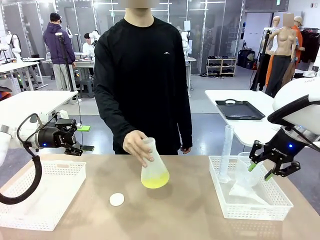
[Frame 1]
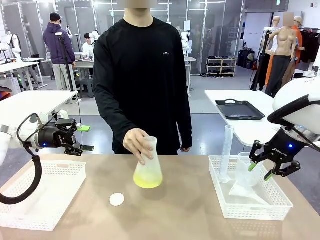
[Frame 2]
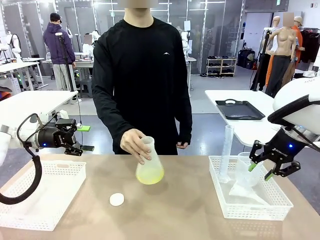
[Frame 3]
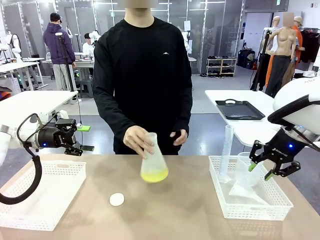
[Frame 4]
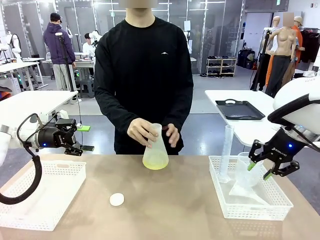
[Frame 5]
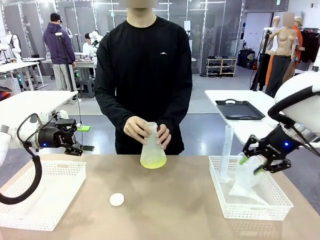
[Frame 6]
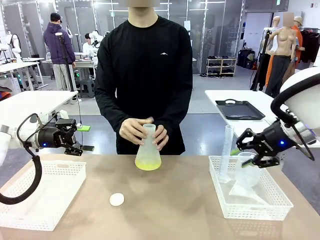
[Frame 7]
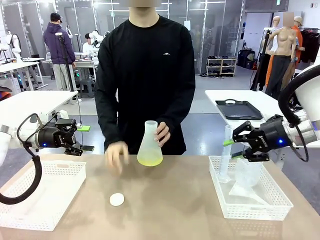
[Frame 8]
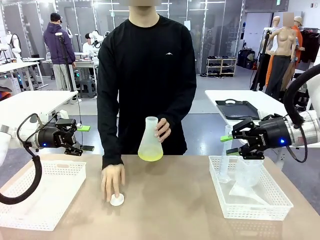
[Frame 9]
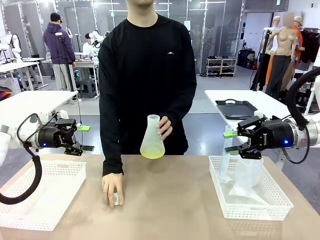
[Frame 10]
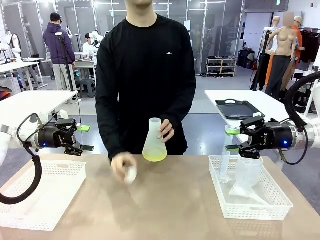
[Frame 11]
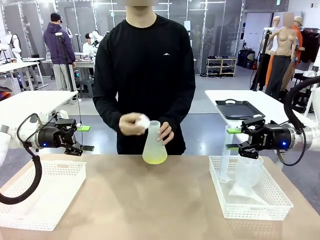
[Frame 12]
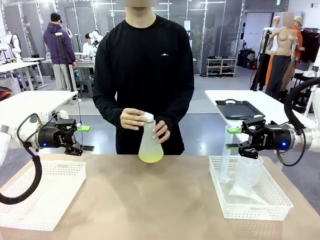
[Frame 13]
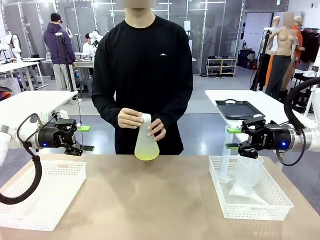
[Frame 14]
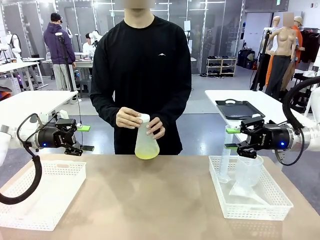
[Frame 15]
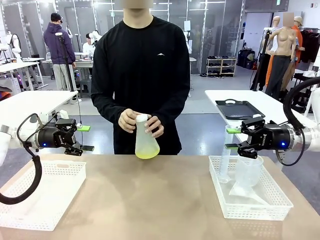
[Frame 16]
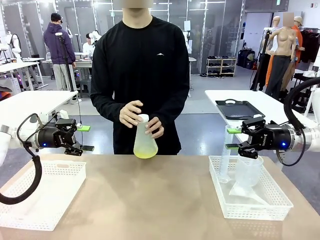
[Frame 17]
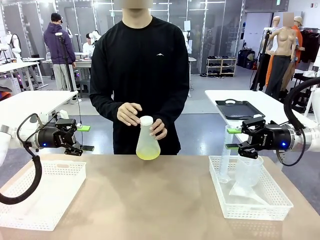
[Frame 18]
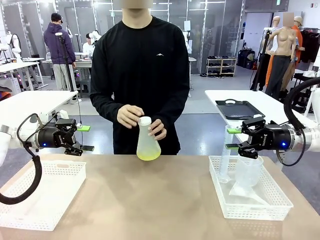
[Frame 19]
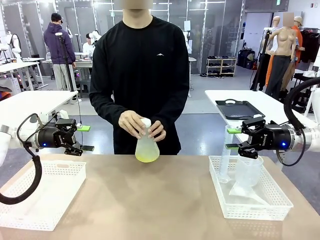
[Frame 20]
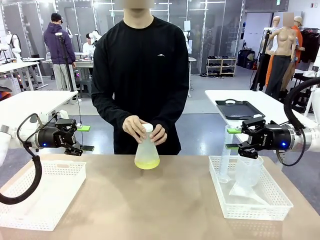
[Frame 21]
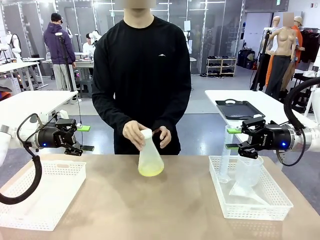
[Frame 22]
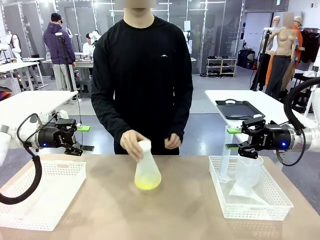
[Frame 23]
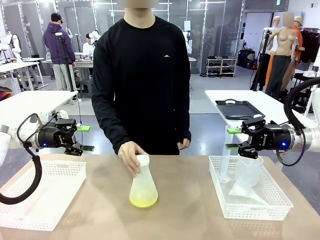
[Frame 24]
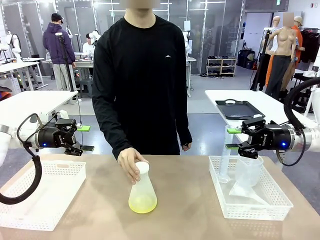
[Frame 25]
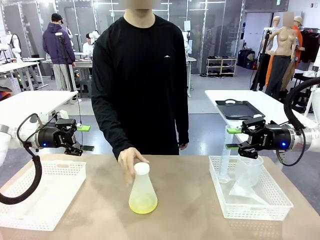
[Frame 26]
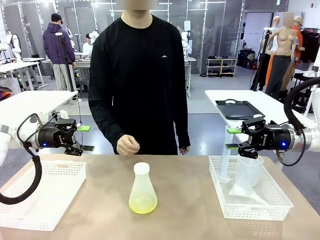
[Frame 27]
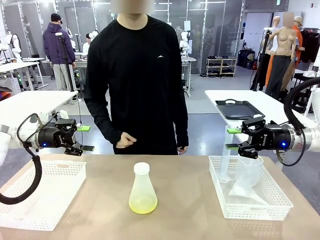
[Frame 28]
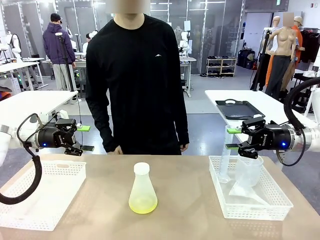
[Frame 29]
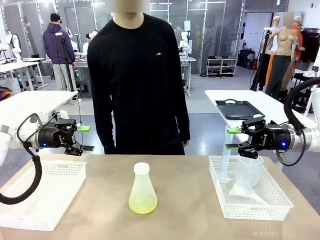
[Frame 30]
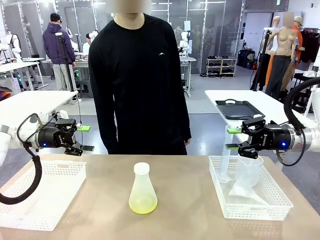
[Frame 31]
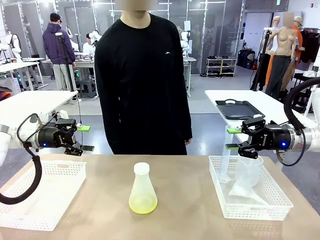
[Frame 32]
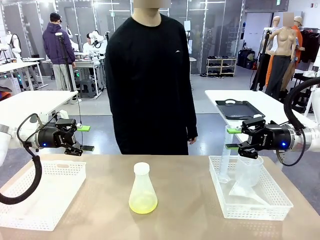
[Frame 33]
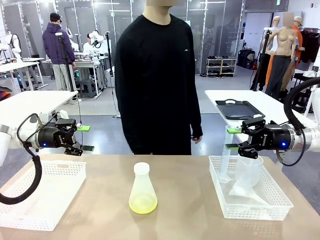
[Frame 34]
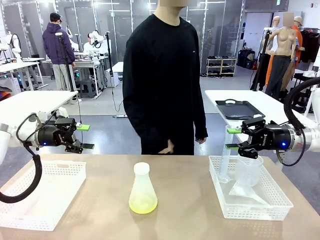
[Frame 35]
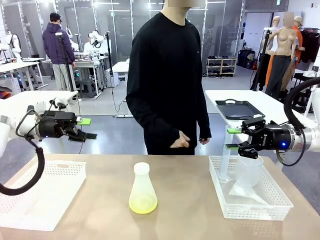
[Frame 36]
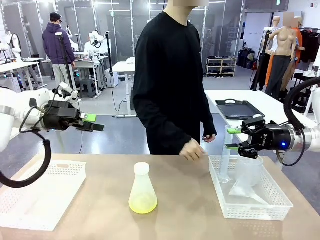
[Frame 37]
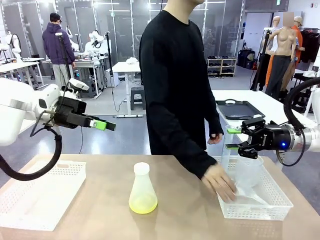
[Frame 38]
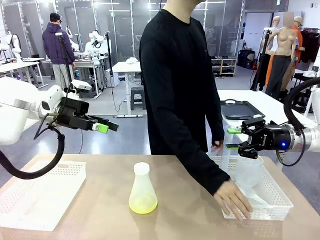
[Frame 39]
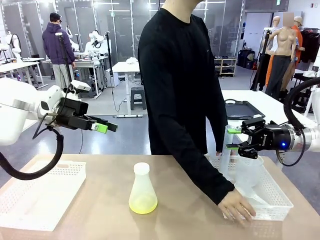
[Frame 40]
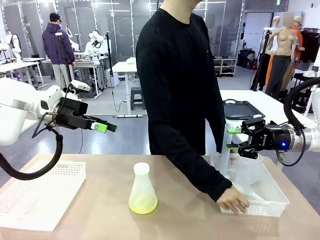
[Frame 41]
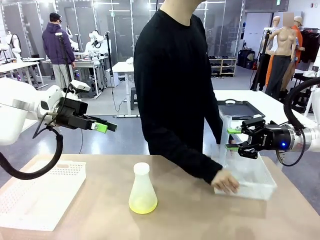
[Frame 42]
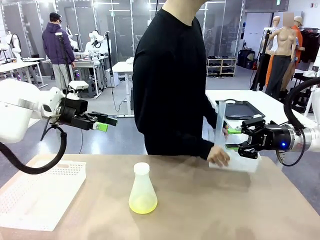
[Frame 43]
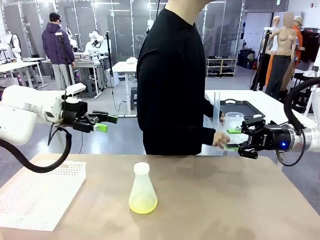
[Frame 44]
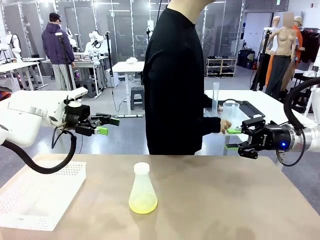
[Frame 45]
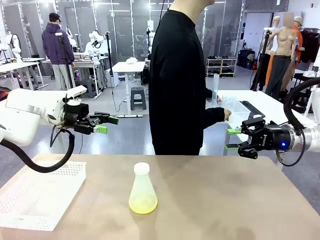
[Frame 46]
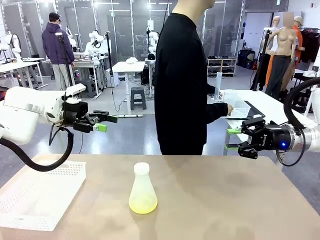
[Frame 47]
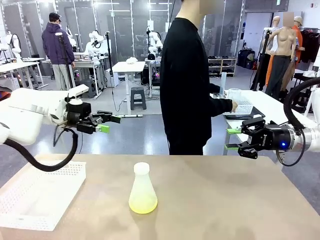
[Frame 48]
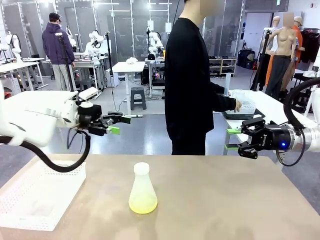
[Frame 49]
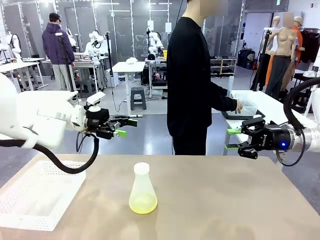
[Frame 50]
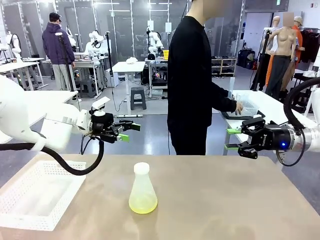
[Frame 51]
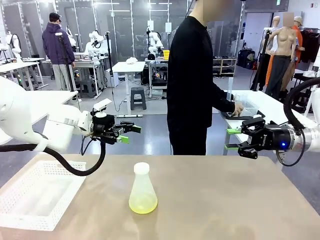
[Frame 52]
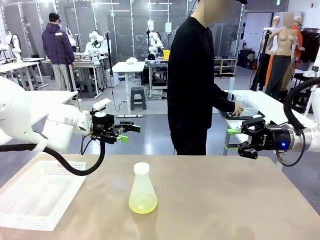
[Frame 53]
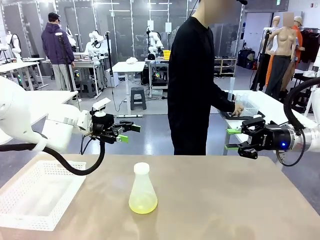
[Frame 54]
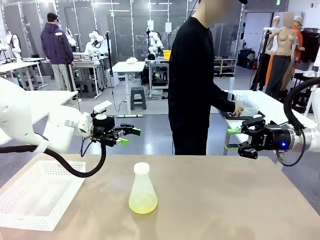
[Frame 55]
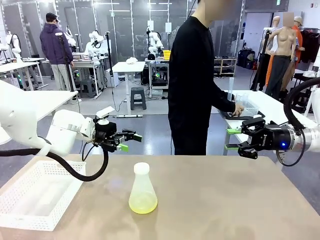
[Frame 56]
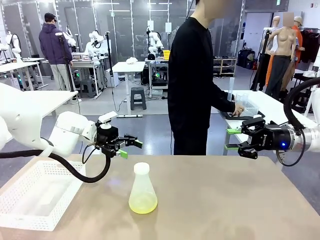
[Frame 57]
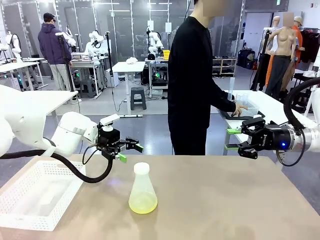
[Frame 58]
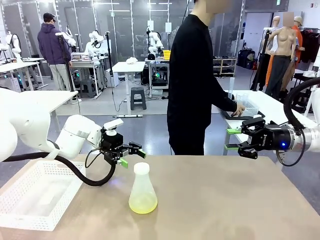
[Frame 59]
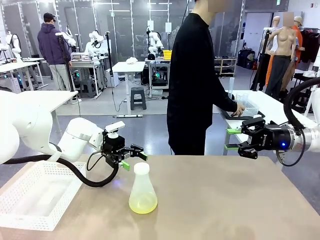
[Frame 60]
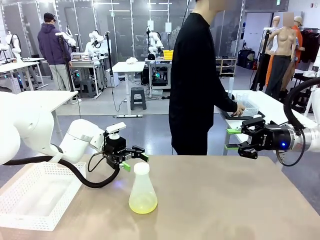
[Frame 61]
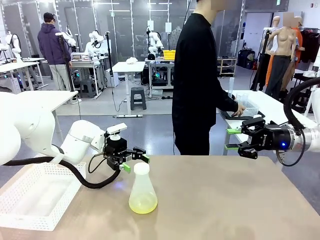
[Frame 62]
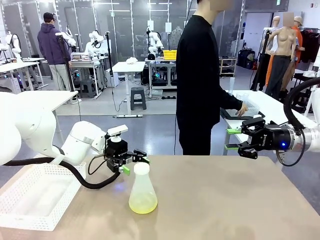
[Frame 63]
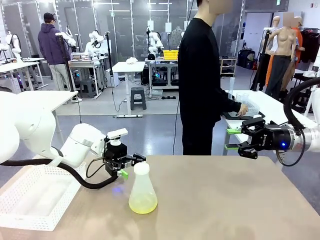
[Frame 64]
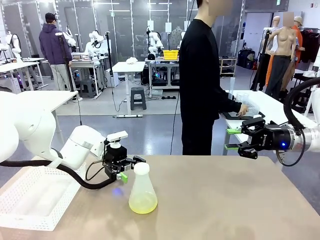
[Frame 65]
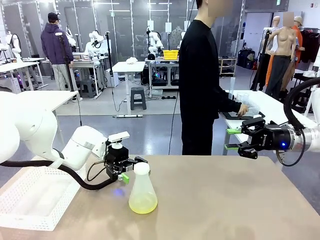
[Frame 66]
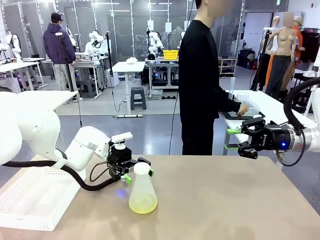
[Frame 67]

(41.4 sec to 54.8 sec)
Task: Prepare the solutions needed for the experiment.
Robot: When the human places the Big flask in the center of the table, pick up the Big flask and place it in the left Organizing basket.
